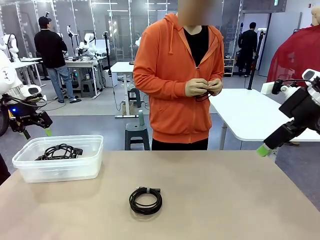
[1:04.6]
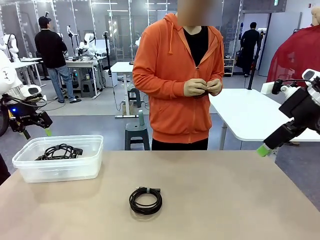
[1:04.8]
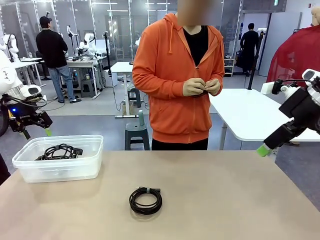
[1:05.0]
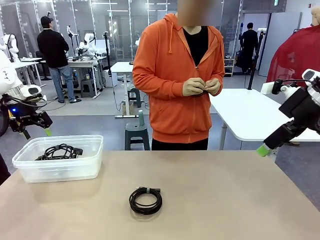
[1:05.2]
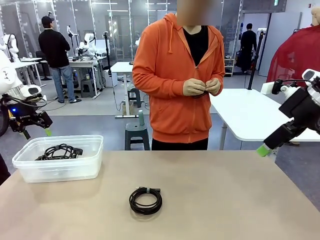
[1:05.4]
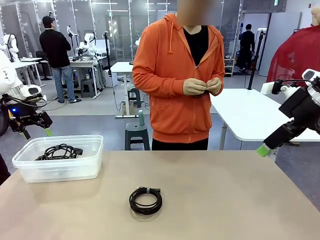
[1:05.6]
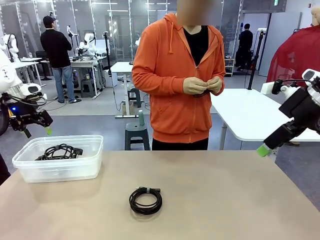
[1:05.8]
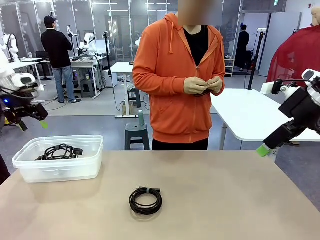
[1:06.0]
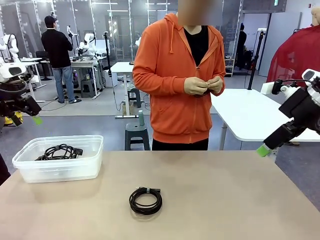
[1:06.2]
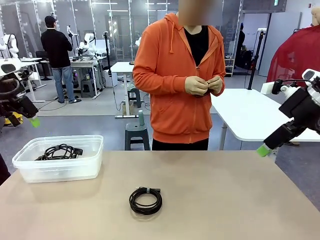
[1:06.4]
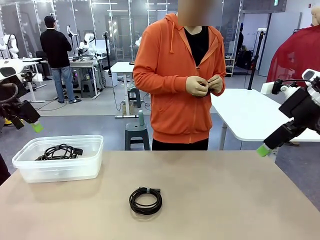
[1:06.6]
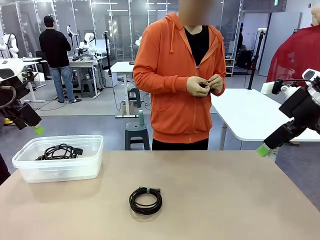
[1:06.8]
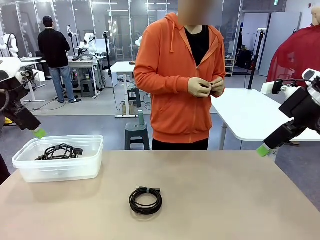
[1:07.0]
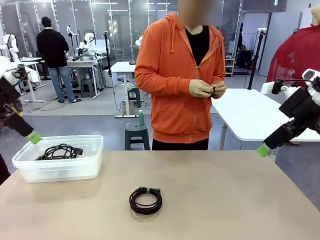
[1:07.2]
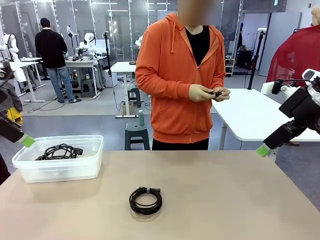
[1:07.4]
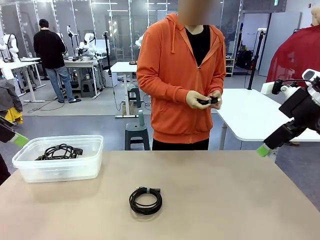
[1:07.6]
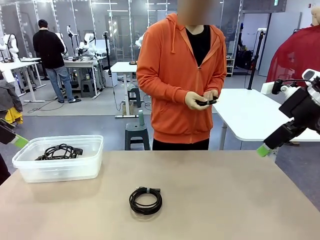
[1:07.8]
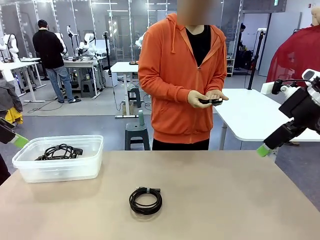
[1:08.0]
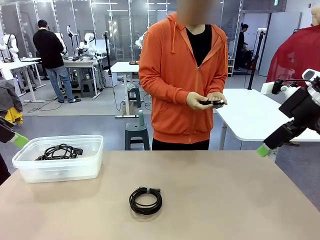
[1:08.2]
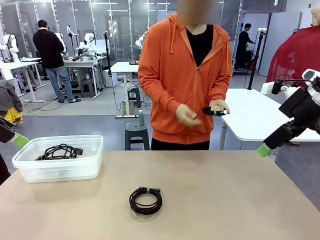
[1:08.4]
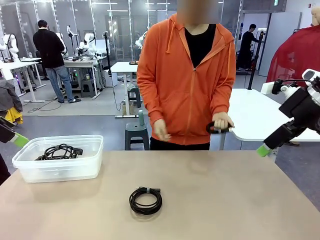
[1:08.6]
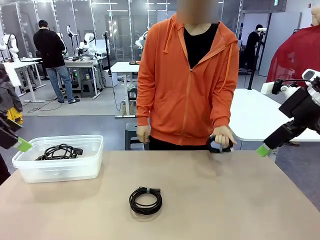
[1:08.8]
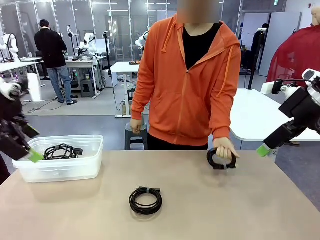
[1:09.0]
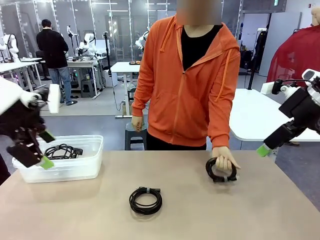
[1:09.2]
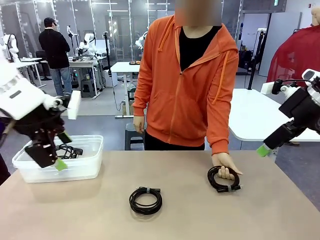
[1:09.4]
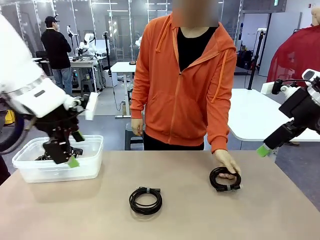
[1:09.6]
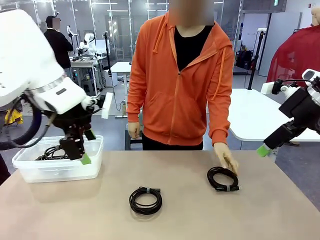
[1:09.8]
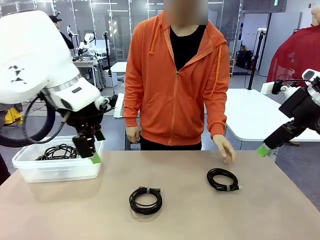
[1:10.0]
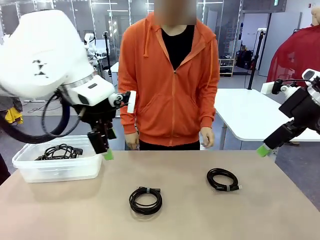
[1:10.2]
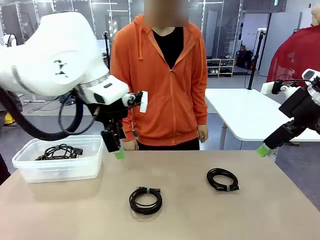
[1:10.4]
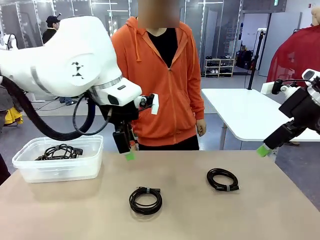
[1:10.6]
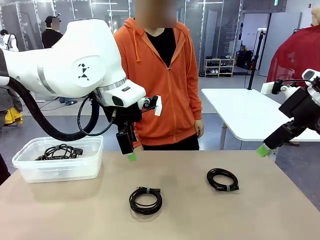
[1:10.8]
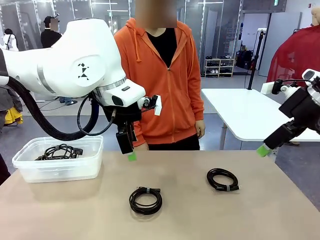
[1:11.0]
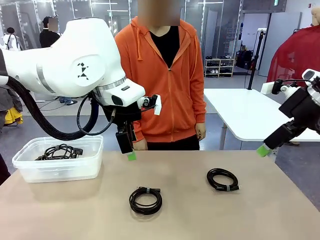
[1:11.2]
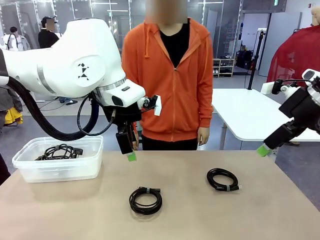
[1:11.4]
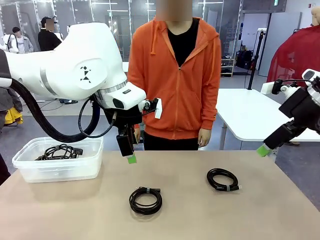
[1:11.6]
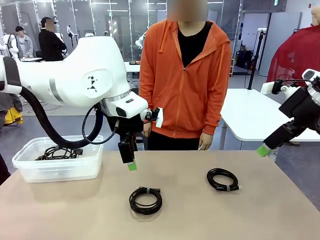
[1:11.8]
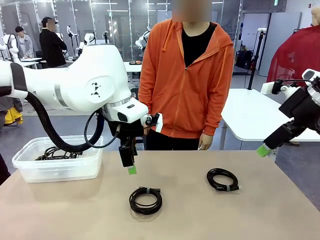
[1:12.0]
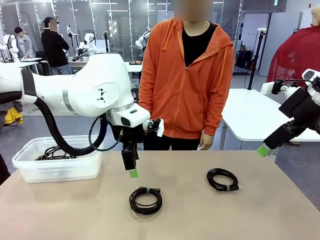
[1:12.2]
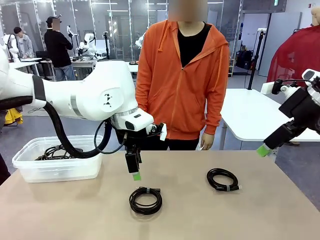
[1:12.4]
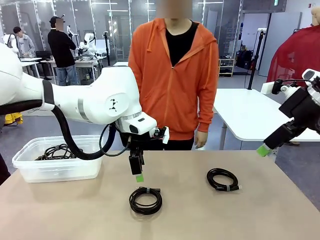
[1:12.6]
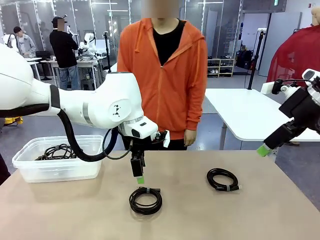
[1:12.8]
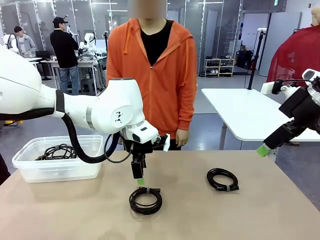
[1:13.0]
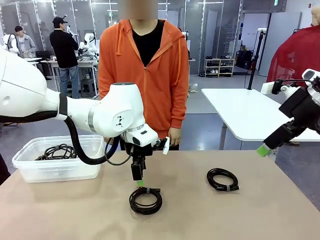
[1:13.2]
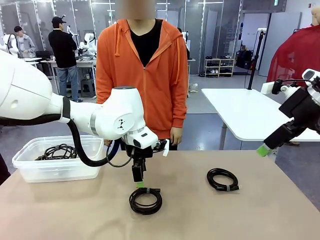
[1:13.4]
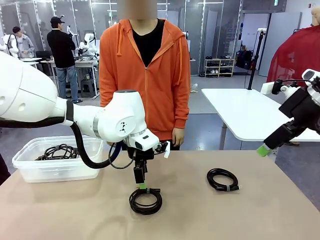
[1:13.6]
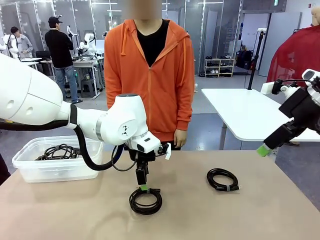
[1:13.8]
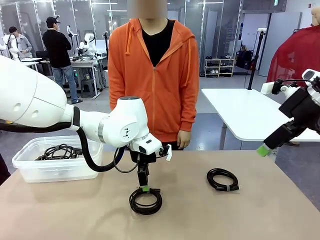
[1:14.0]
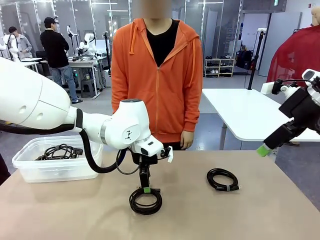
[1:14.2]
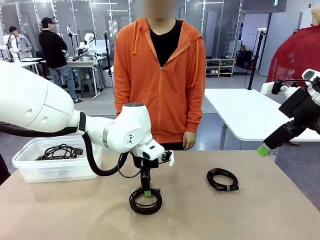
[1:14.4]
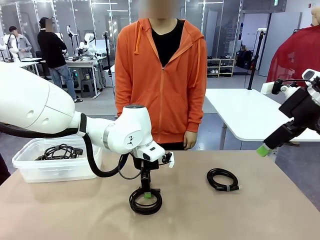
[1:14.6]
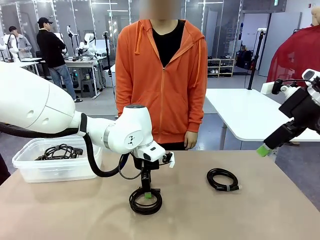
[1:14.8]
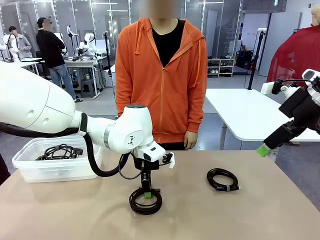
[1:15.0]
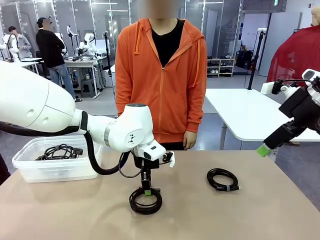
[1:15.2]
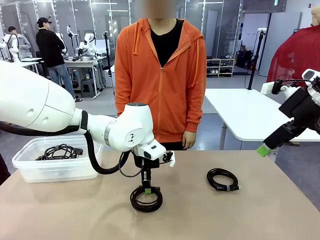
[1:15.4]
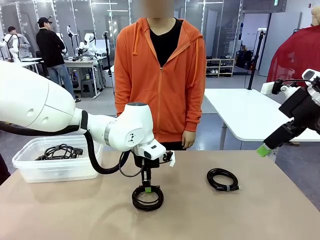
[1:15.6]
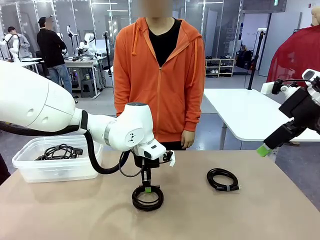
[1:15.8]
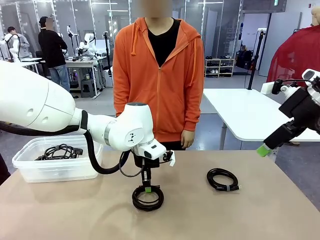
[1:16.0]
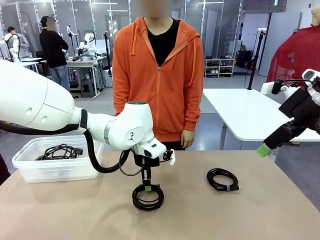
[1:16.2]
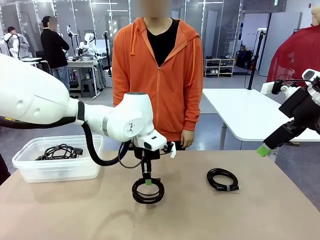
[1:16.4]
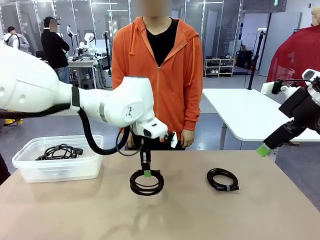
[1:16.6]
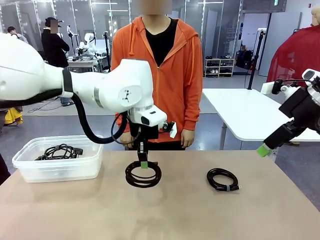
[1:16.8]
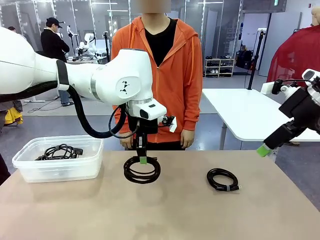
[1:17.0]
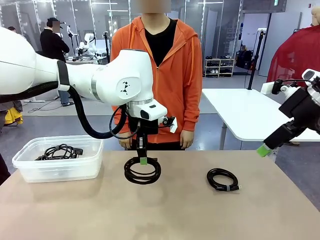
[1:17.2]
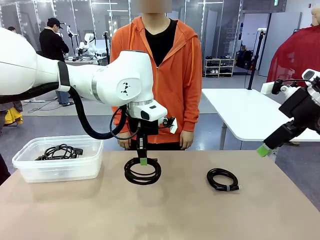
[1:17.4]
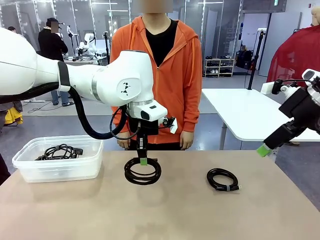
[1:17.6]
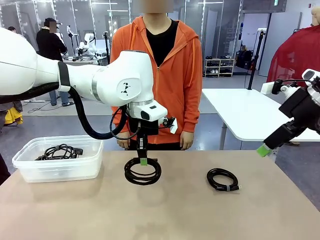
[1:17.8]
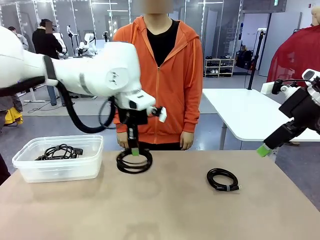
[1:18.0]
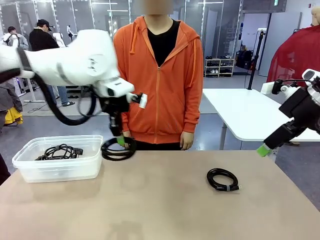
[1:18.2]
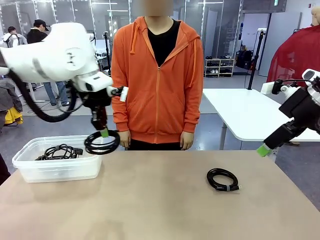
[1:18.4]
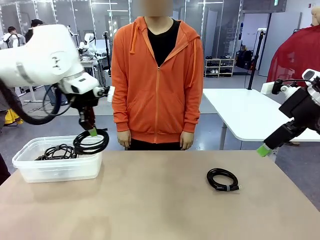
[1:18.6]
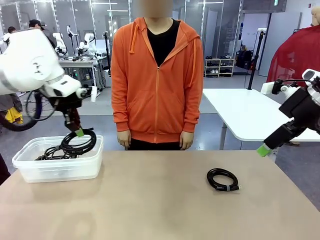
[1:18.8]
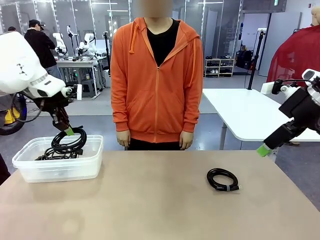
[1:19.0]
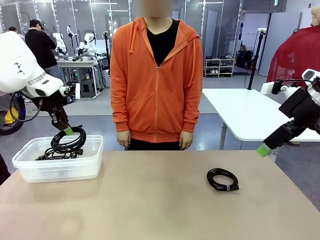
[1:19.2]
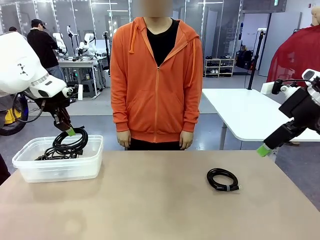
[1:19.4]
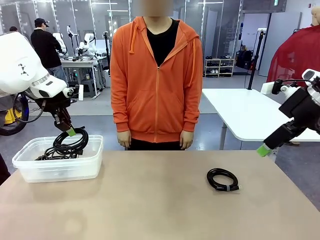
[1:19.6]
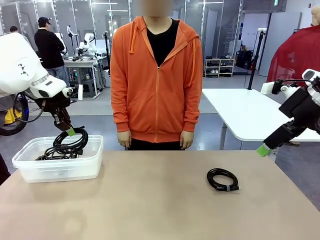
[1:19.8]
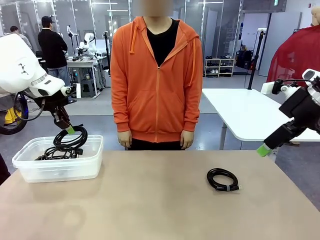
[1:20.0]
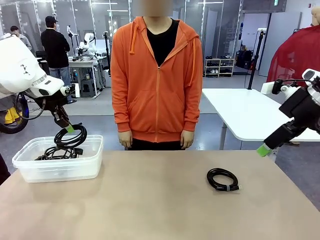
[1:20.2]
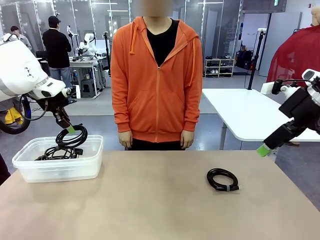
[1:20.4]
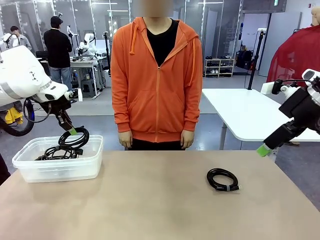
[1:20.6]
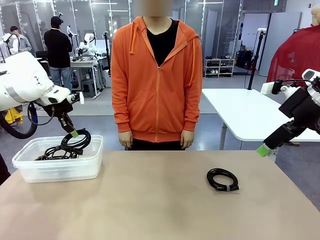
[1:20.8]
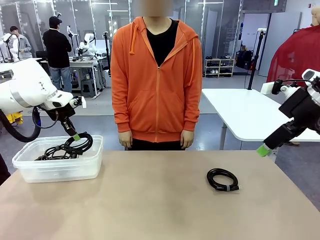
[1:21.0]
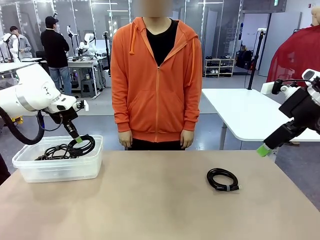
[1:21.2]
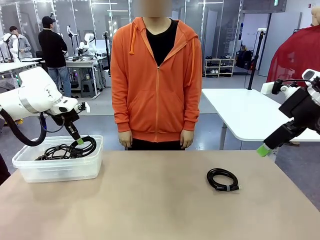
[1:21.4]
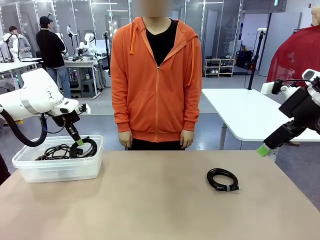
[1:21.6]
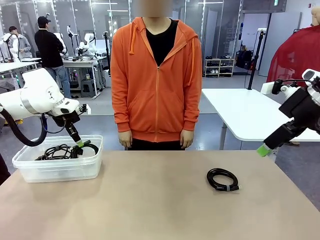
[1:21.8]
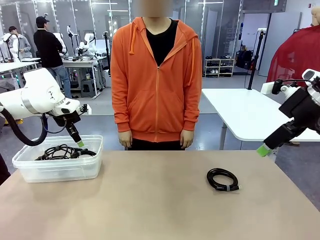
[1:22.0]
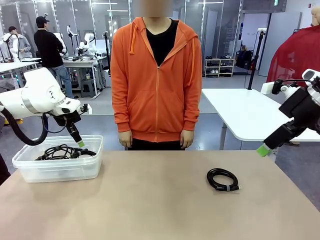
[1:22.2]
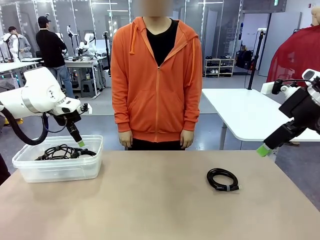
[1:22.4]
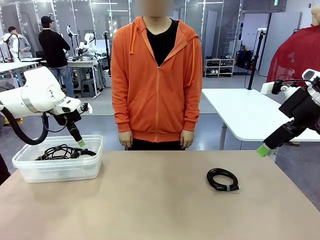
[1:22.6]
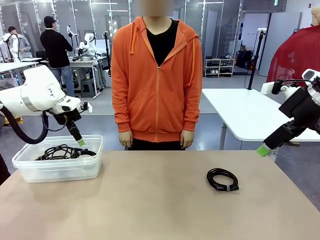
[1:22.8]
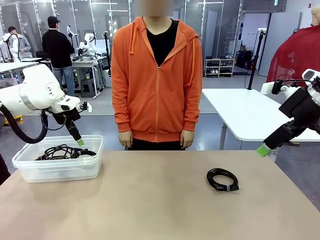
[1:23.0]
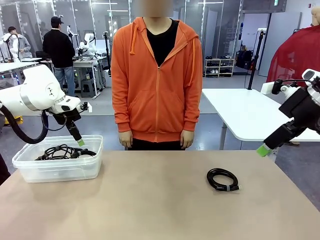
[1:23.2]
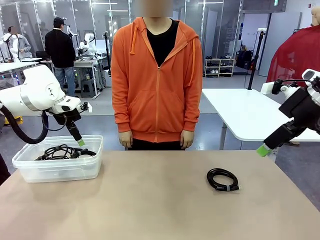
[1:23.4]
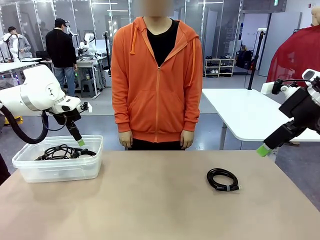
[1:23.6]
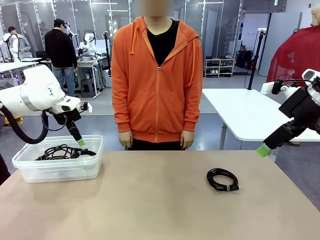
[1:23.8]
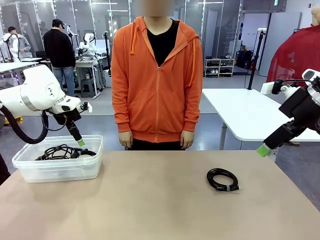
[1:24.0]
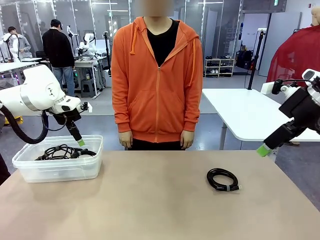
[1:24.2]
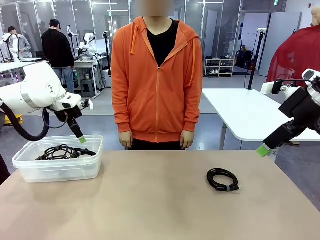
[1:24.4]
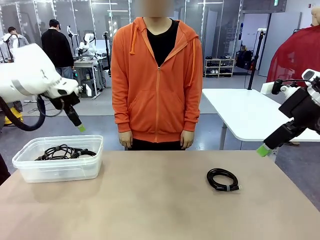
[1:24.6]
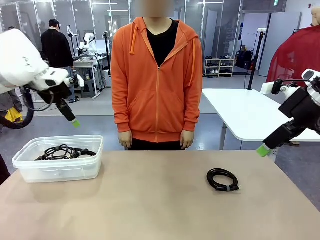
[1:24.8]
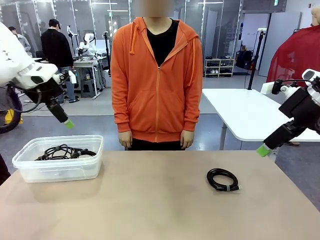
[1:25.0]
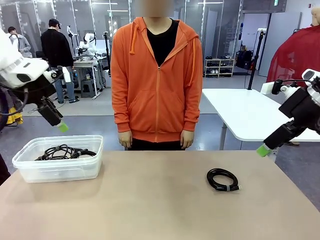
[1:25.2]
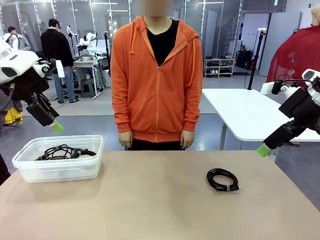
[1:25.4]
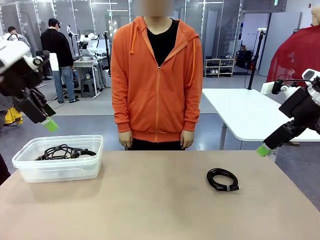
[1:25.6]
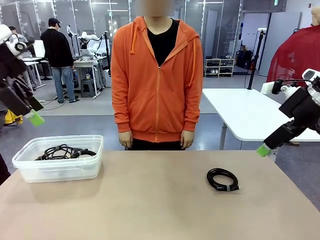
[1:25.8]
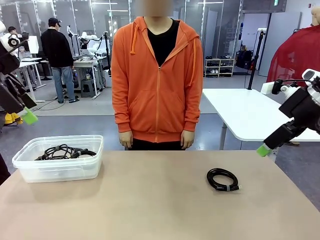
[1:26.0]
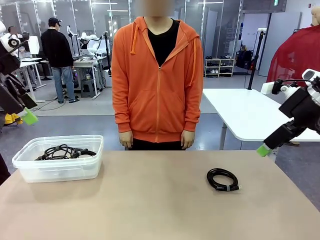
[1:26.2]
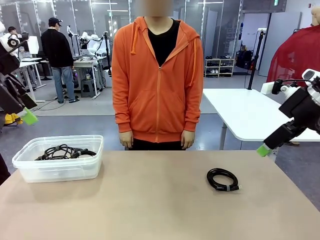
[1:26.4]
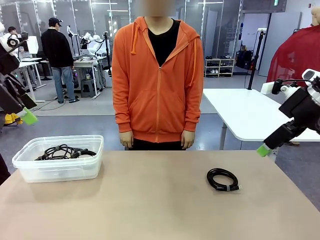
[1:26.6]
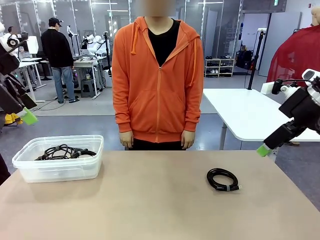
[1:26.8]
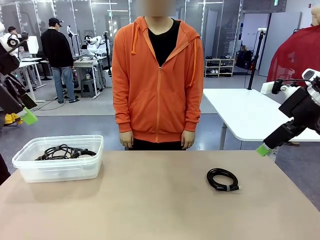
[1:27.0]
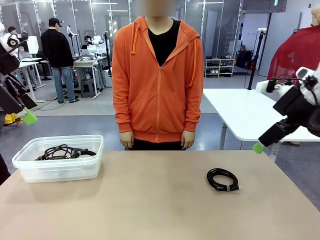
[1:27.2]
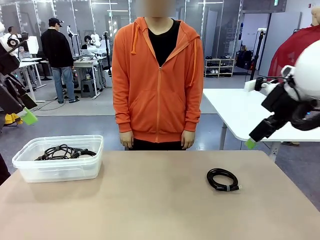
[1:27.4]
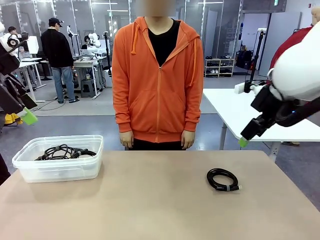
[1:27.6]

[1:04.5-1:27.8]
Task: Organize and store the cables.
Robot: Place the USB Extension Cable into the Organizing box.
